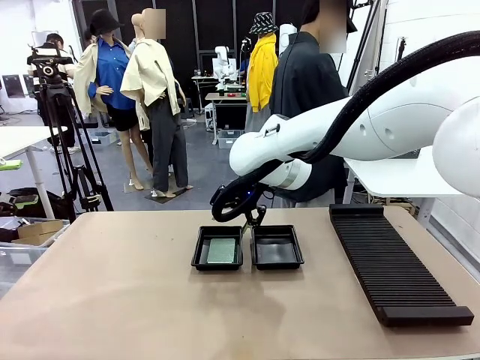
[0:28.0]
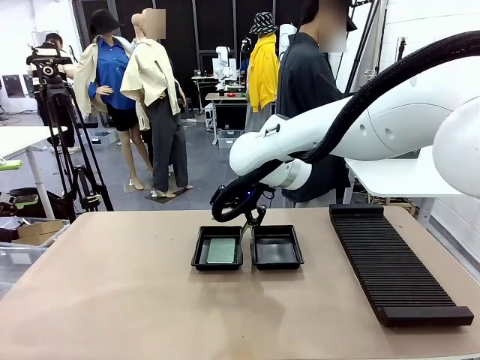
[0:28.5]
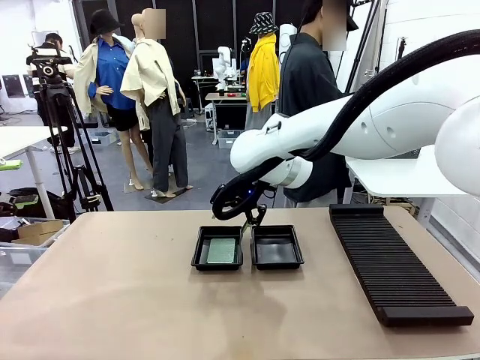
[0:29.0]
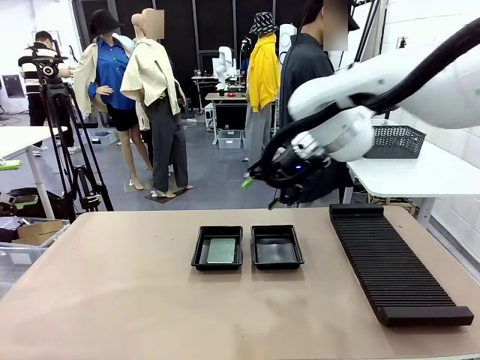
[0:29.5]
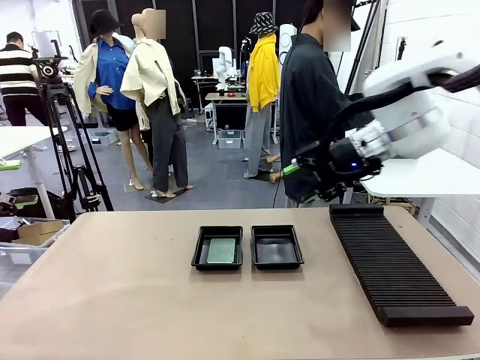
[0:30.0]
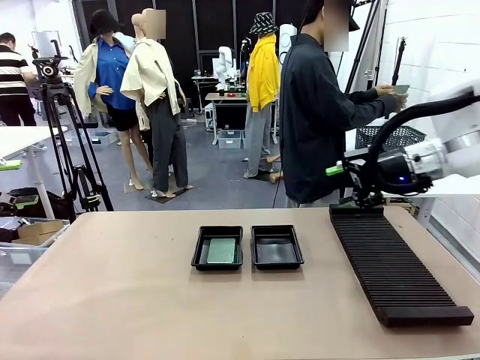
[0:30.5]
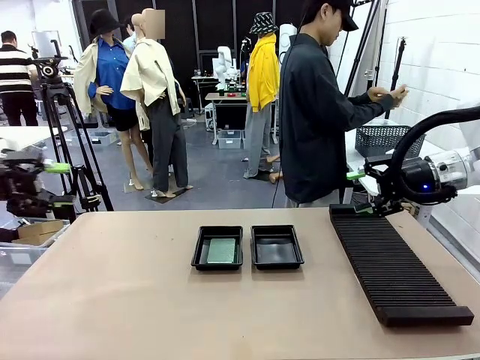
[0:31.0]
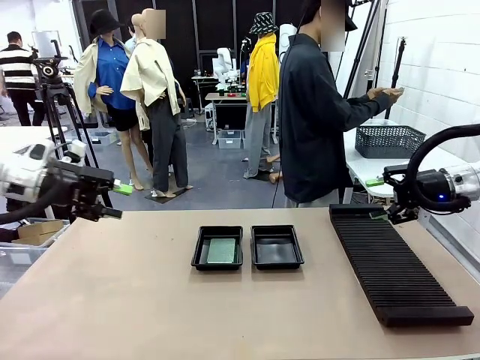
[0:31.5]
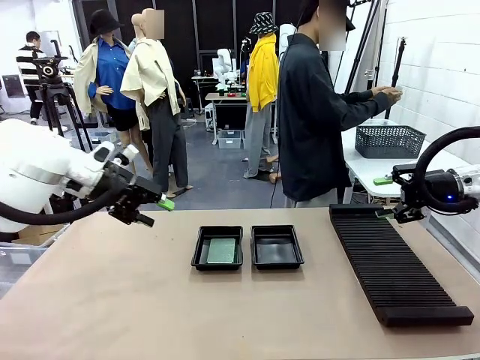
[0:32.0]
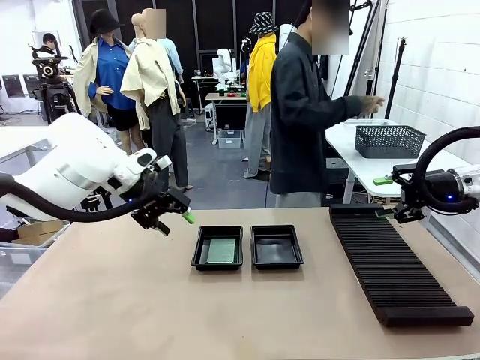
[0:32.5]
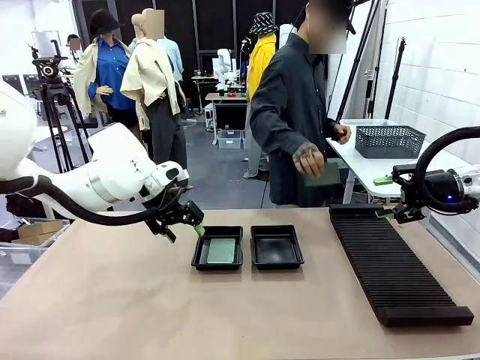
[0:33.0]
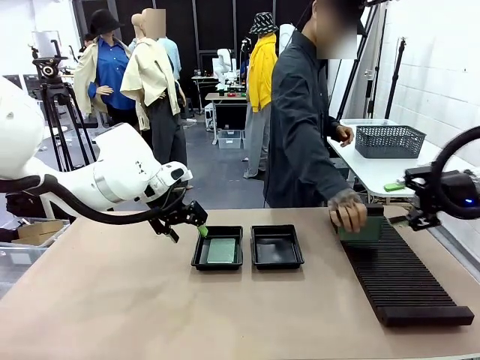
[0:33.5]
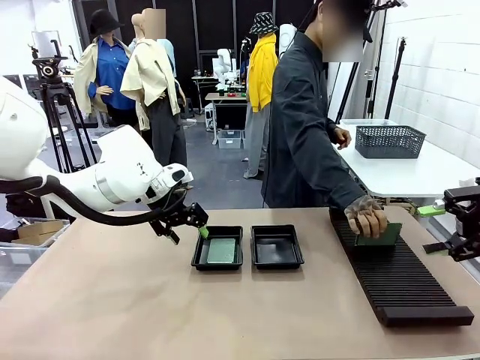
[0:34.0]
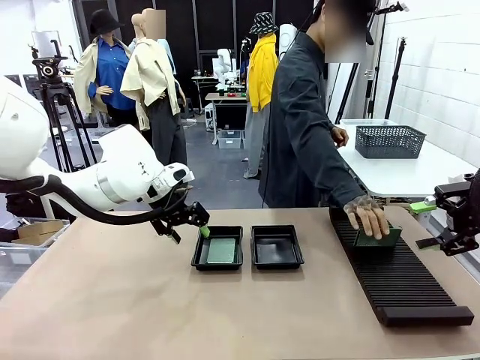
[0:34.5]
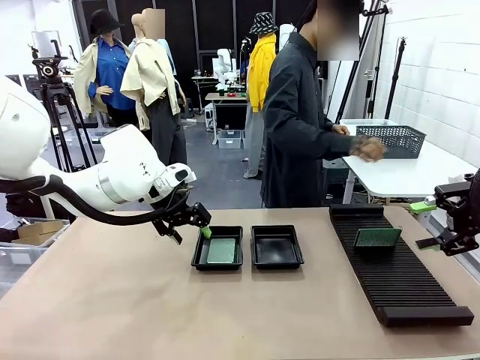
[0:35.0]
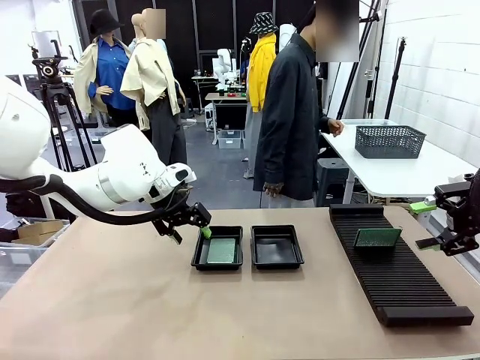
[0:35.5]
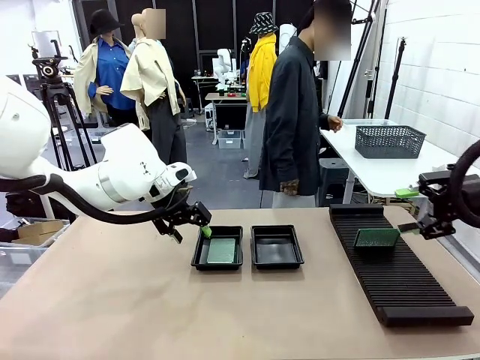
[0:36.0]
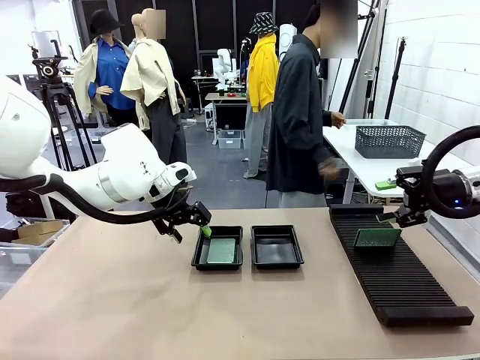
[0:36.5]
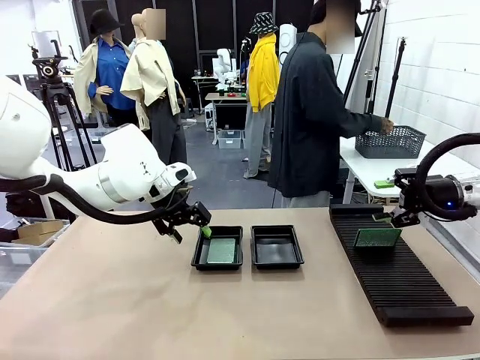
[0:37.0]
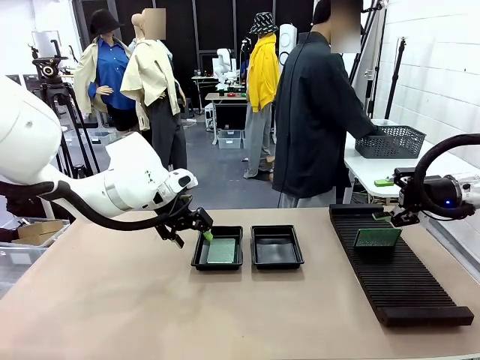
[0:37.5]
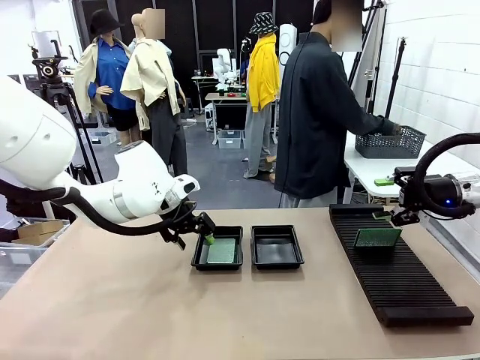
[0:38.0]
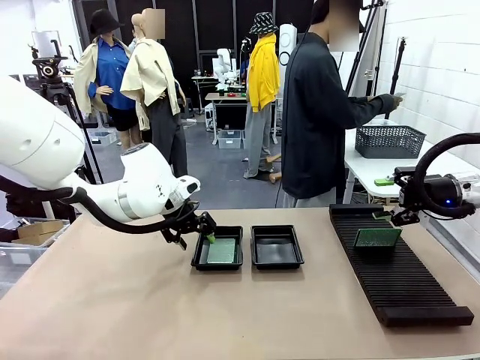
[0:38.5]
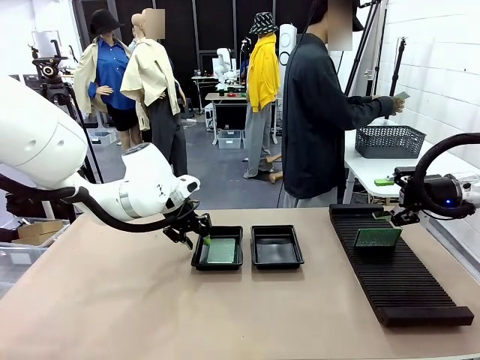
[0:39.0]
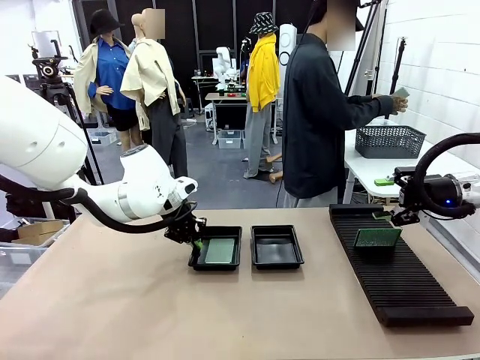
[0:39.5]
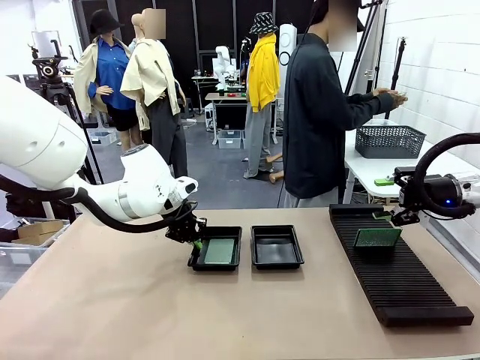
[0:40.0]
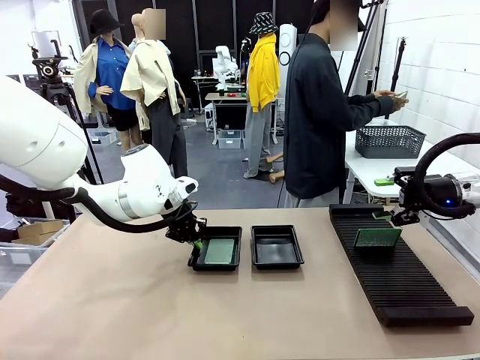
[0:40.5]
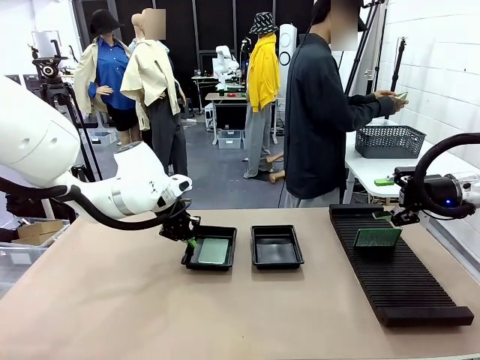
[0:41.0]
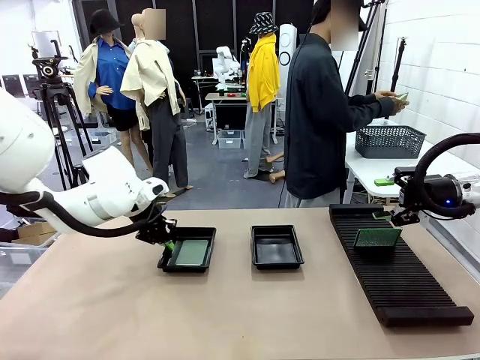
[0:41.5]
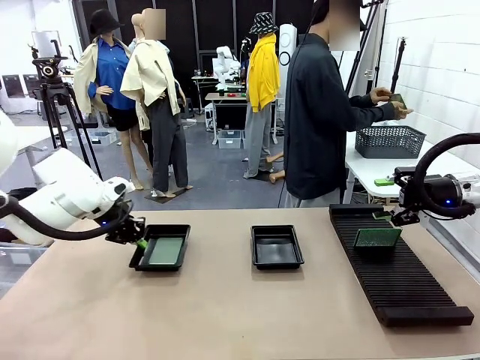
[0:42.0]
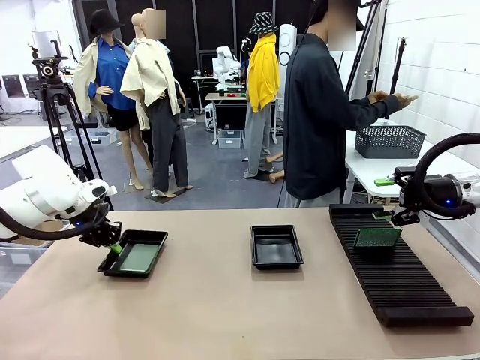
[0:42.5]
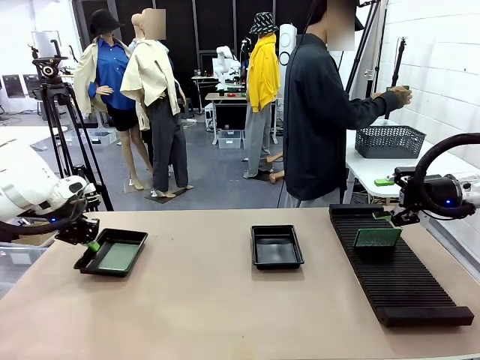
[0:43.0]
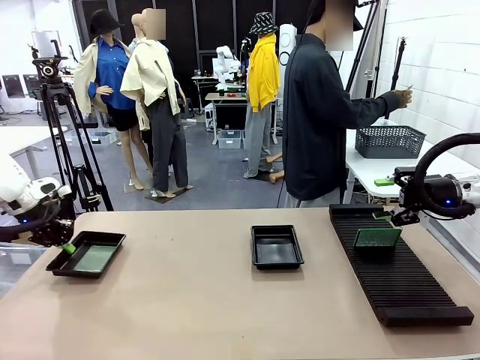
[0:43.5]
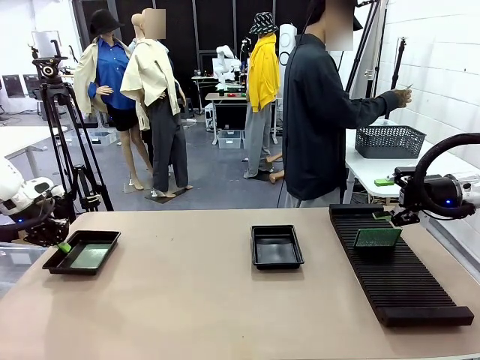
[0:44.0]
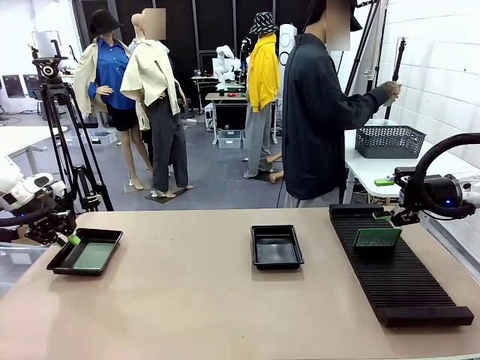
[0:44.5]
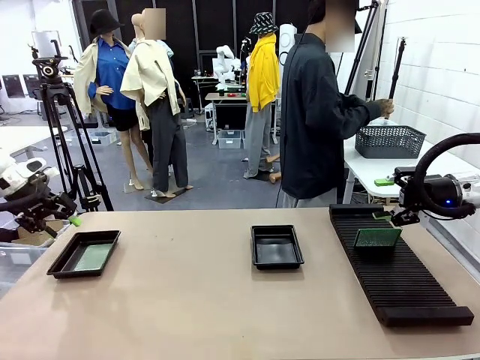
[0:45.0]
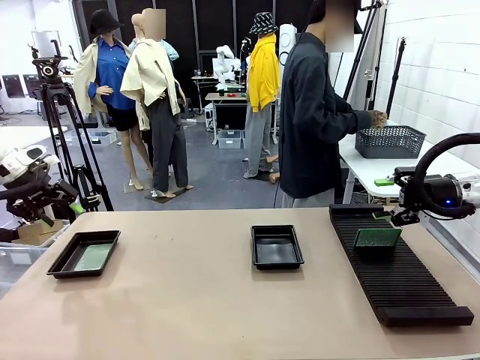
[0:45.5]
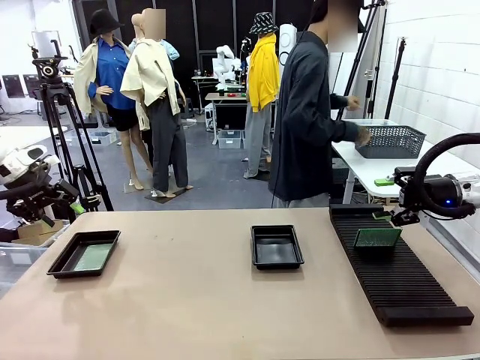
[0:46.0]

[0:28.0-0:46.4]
Task: Inspect and transfer BCBs to ESD trays.
Robot: Pick up the ESD tray and place it on the left side of the table.

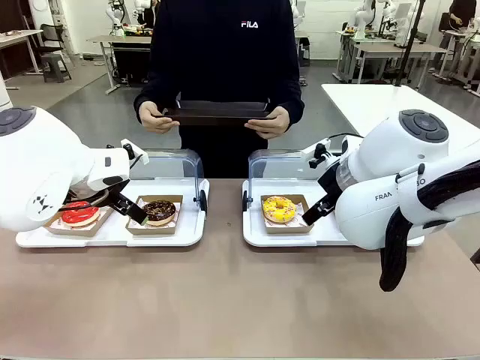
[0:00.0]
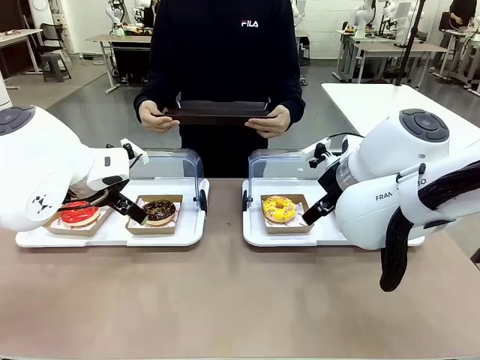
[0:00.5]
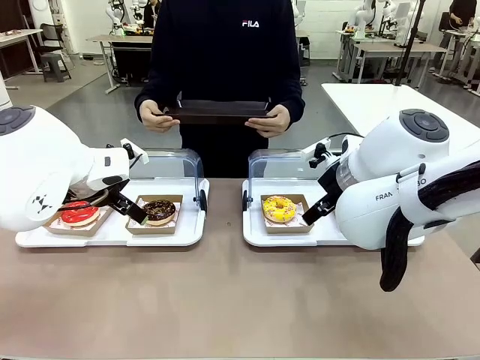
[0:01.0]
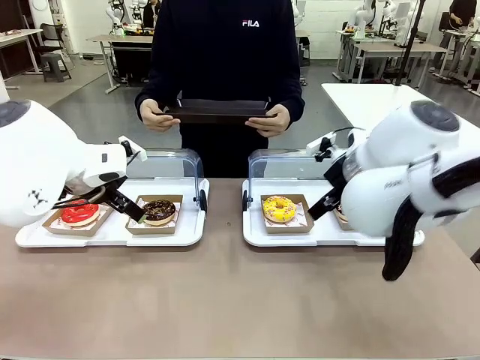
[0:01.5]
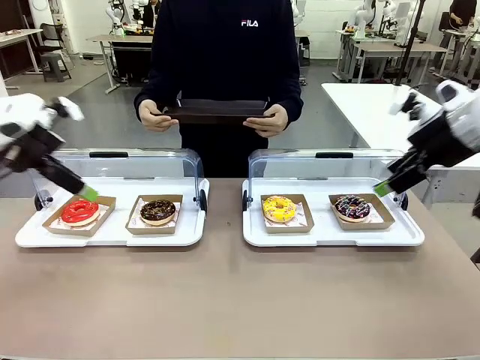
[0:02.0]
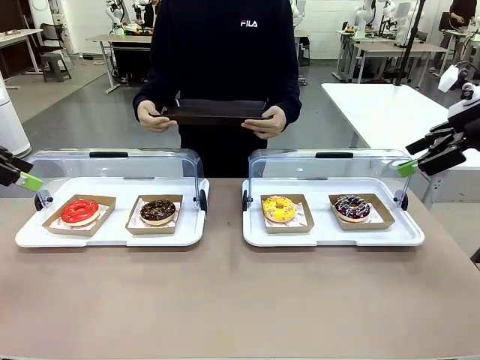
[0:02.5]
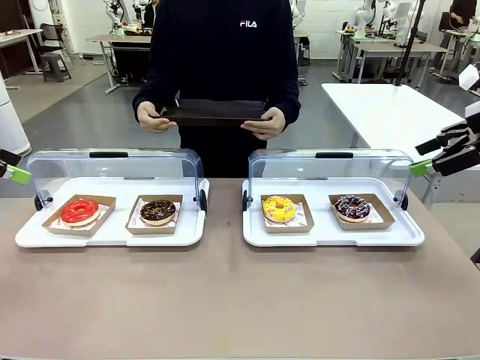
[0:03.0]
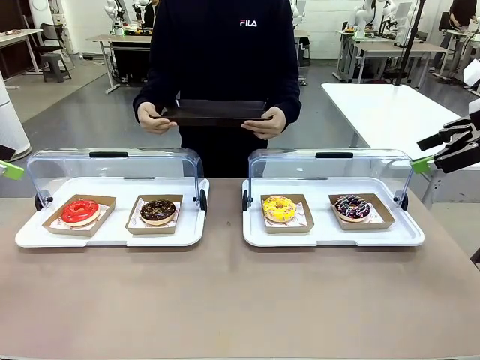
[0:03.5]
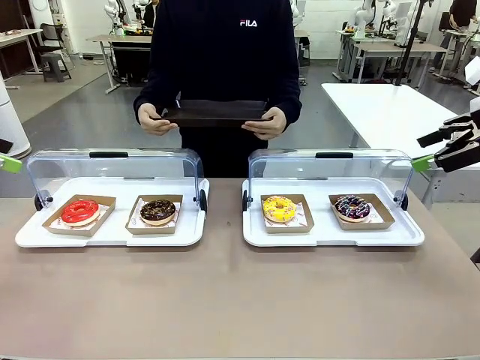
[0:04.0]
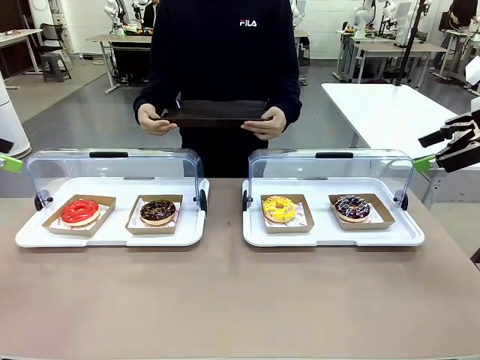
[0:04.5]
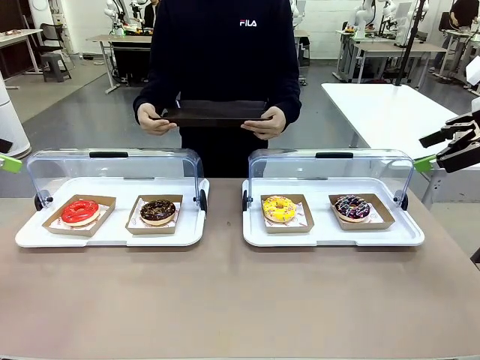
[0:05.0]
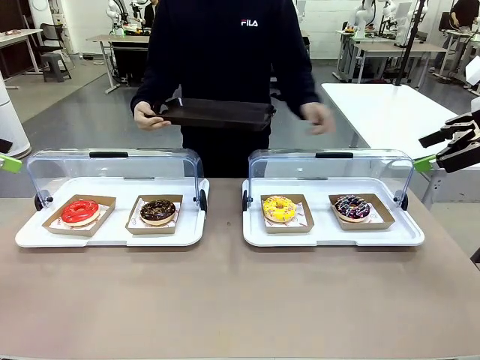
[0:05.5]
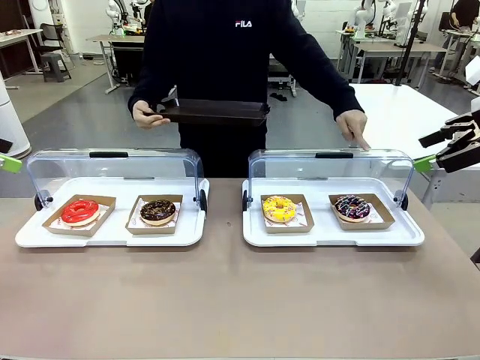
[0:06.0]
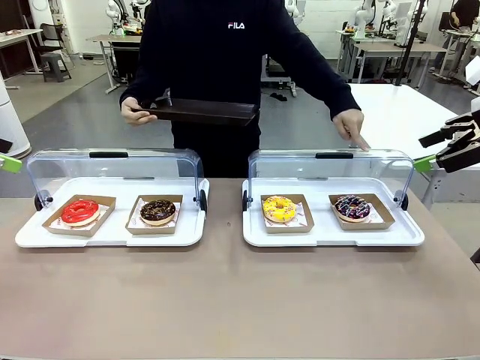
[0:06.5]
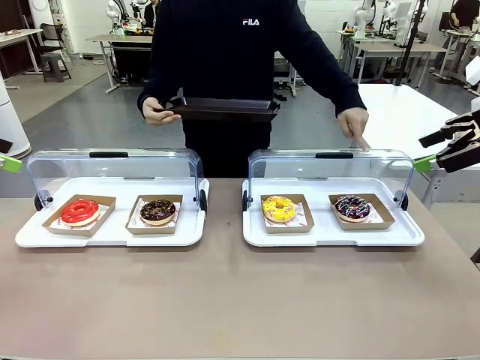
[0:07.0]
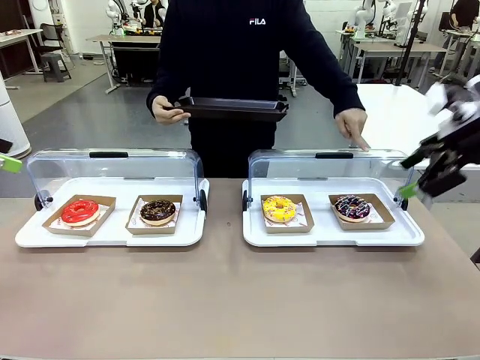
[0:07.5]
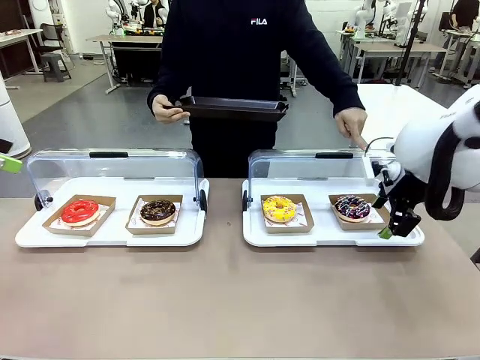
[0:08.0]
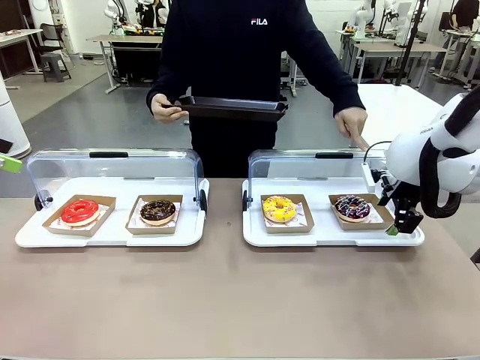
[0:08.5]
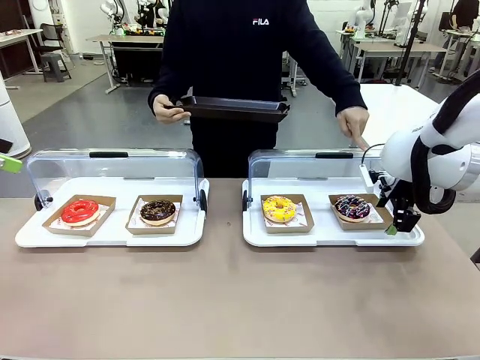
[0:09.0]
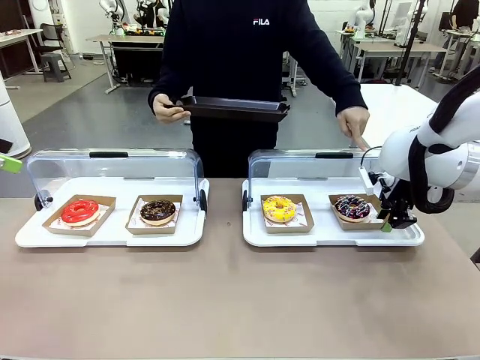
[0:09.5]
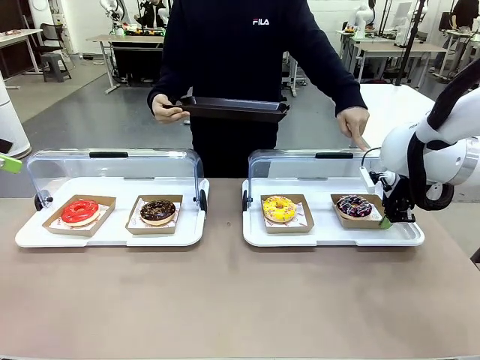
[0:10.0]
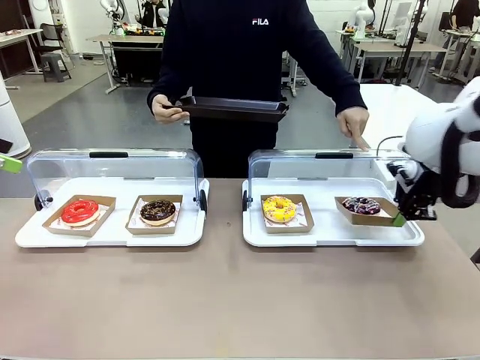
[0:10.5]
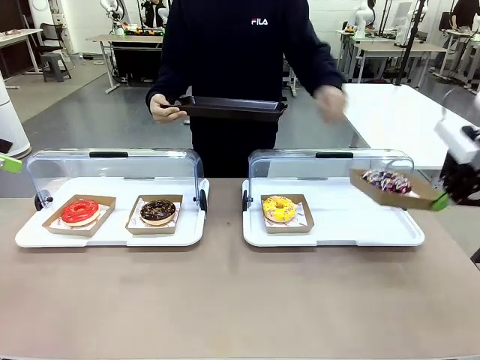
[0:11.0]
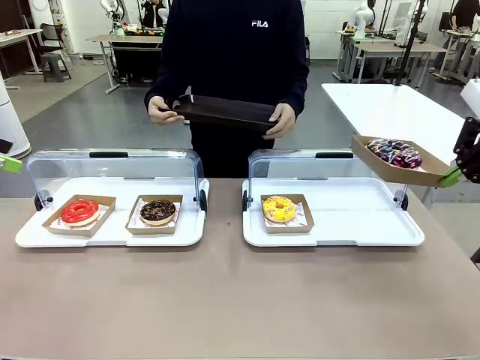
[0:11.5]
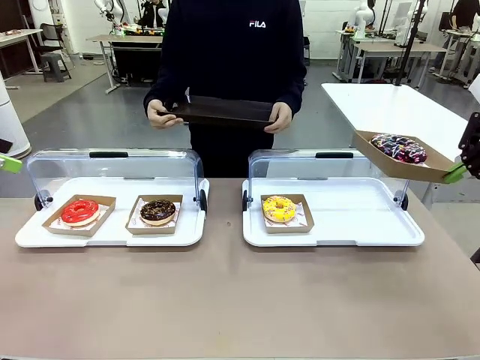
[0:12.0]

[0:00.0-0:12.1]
Task: Provide the desired donut to the person.
Robot: Pick up and lift the Paper togo box containing the Donut pointed at by the person.
Person: Point to one donut. Lift the tray onto the Roll-Top Bakery Case.
